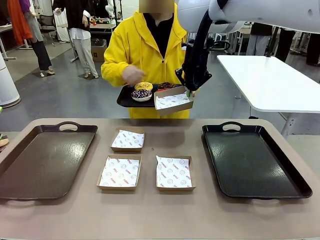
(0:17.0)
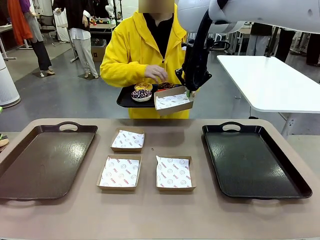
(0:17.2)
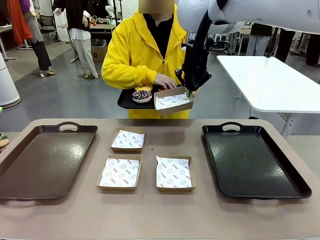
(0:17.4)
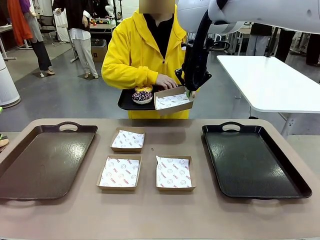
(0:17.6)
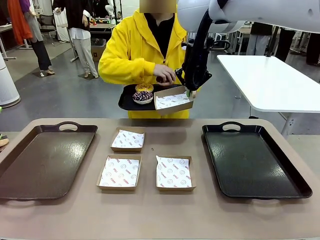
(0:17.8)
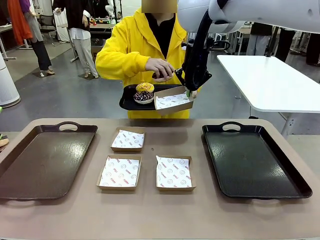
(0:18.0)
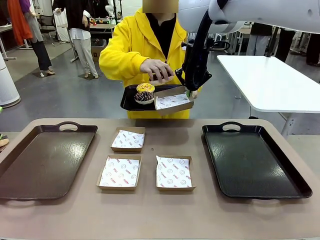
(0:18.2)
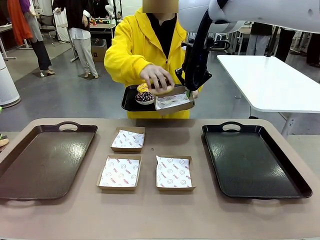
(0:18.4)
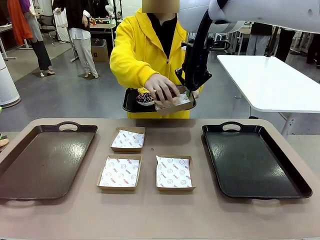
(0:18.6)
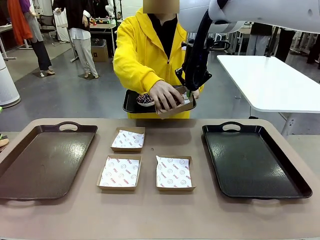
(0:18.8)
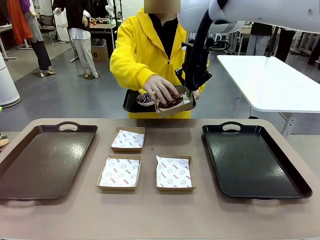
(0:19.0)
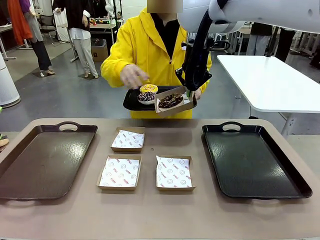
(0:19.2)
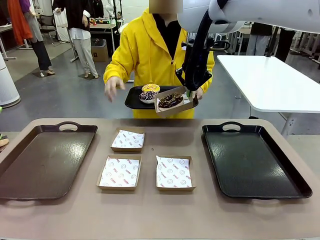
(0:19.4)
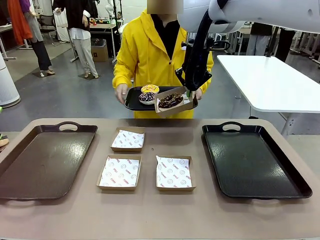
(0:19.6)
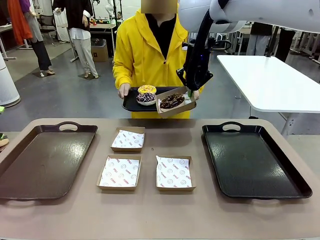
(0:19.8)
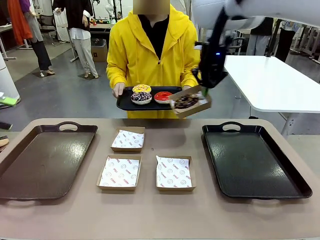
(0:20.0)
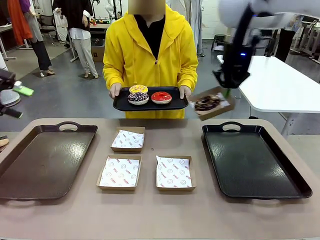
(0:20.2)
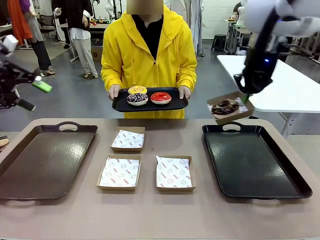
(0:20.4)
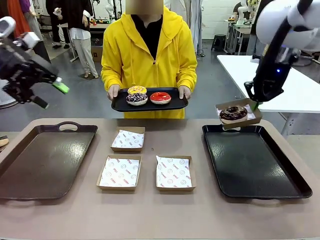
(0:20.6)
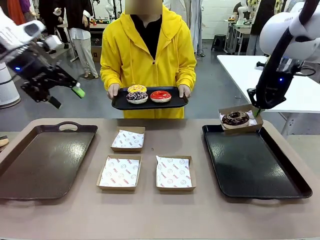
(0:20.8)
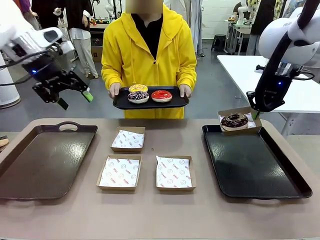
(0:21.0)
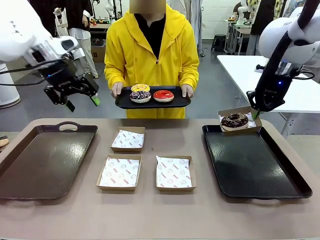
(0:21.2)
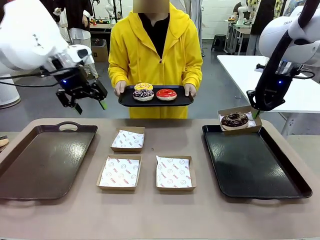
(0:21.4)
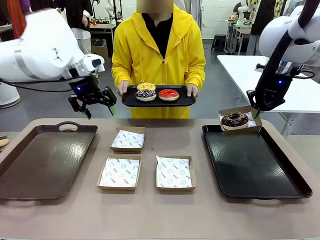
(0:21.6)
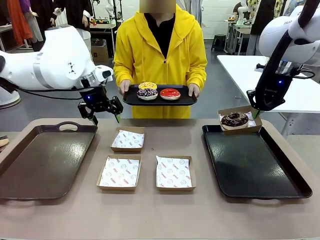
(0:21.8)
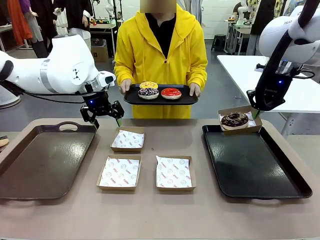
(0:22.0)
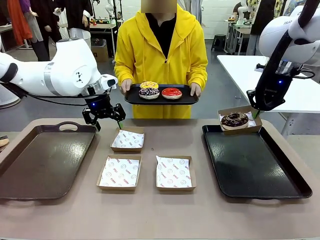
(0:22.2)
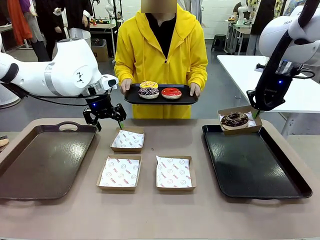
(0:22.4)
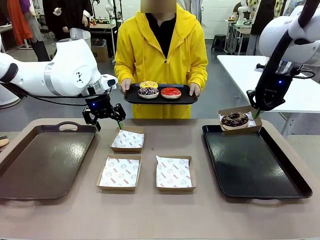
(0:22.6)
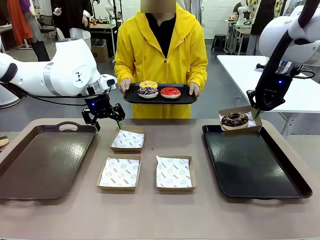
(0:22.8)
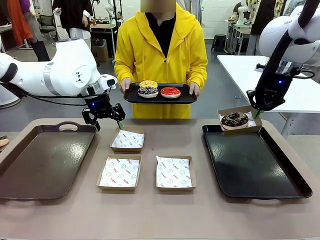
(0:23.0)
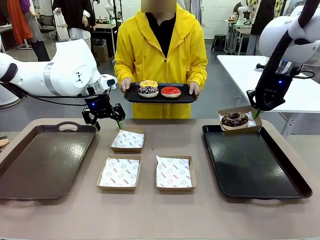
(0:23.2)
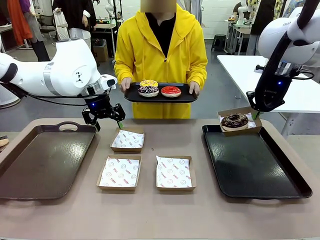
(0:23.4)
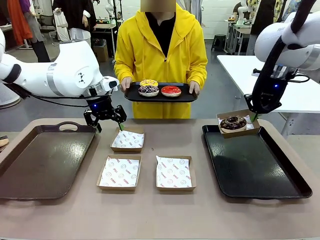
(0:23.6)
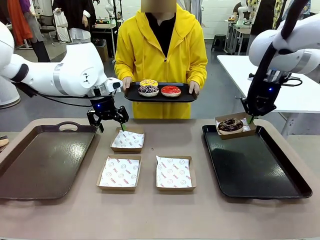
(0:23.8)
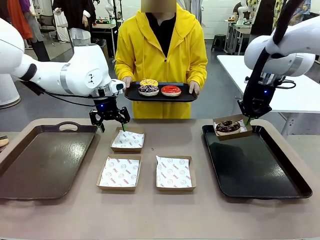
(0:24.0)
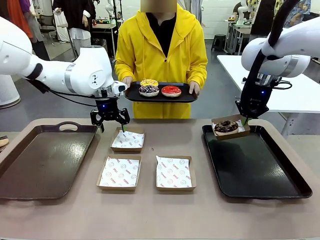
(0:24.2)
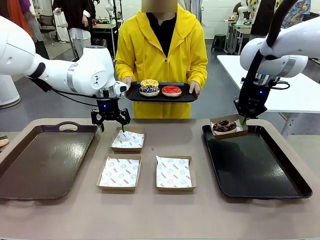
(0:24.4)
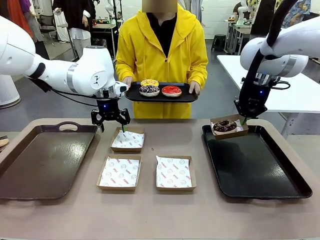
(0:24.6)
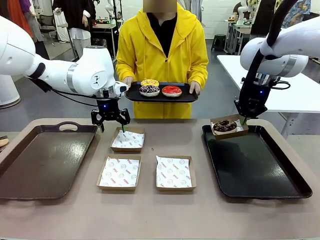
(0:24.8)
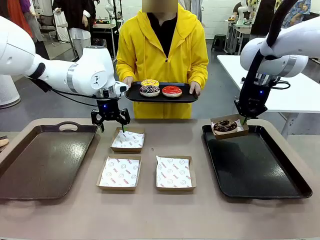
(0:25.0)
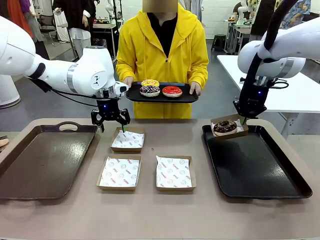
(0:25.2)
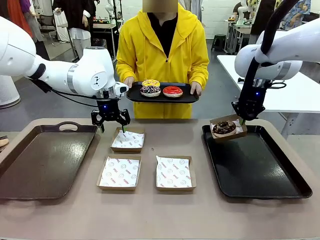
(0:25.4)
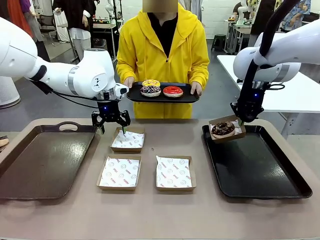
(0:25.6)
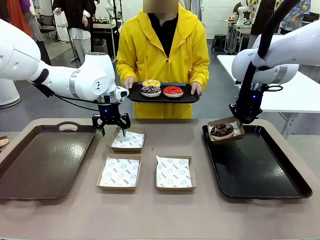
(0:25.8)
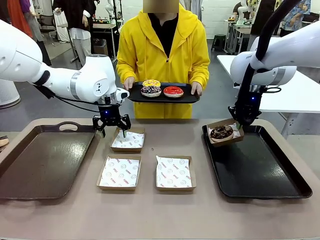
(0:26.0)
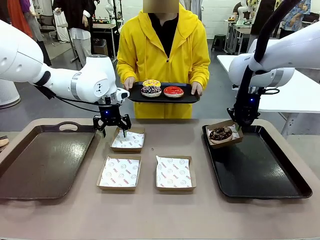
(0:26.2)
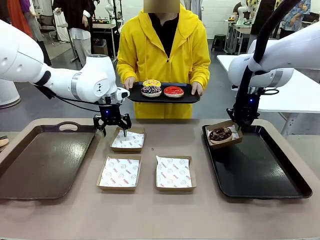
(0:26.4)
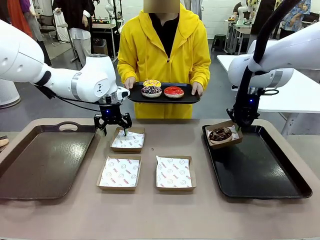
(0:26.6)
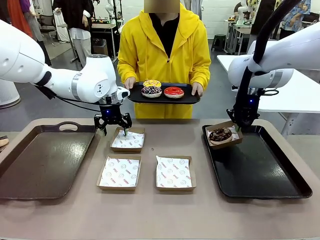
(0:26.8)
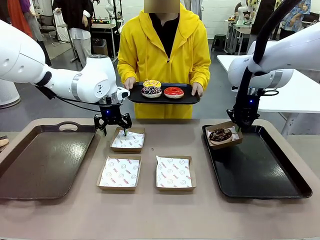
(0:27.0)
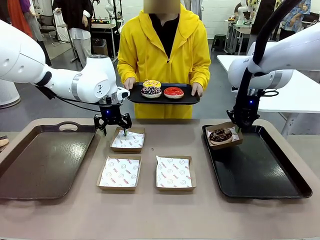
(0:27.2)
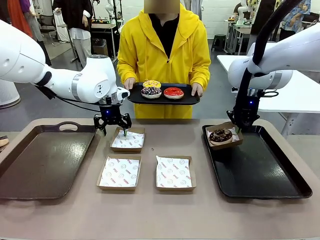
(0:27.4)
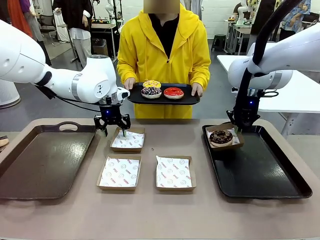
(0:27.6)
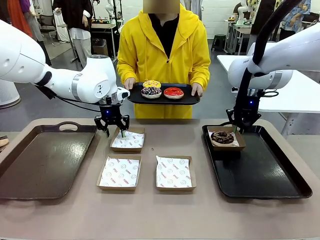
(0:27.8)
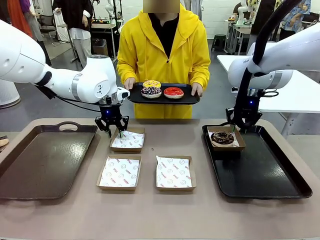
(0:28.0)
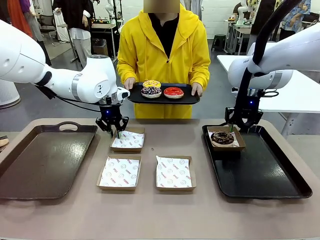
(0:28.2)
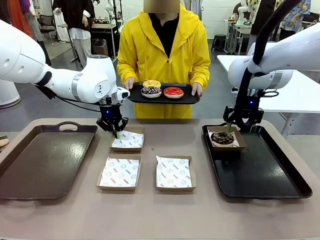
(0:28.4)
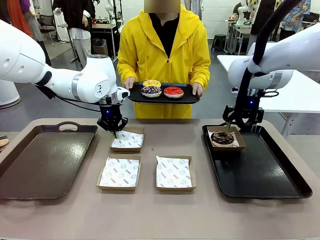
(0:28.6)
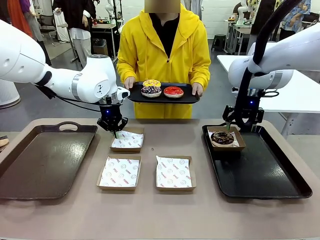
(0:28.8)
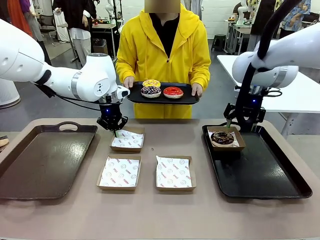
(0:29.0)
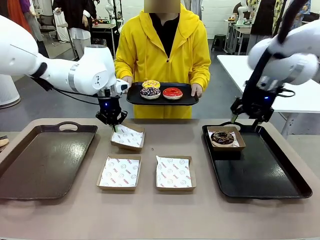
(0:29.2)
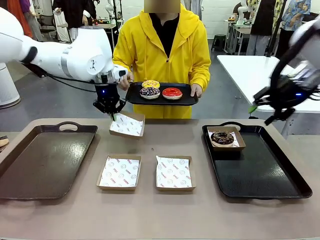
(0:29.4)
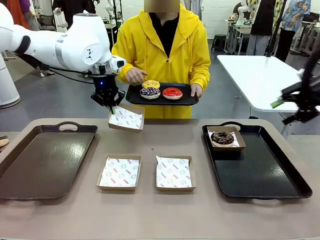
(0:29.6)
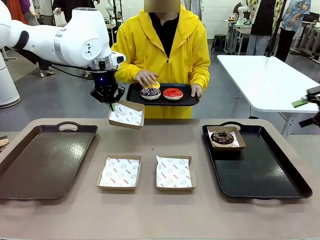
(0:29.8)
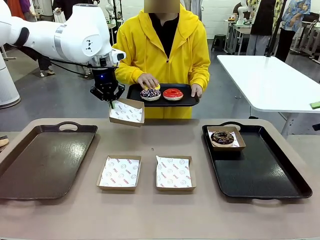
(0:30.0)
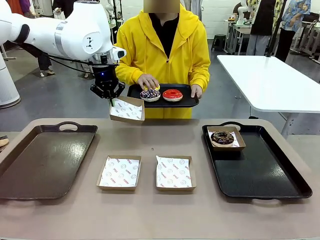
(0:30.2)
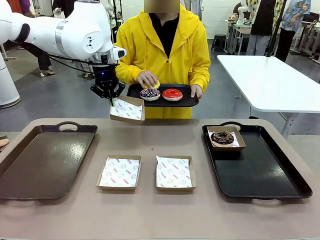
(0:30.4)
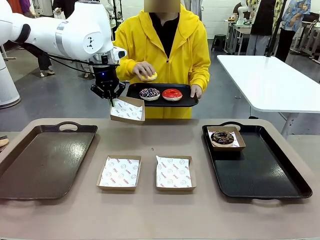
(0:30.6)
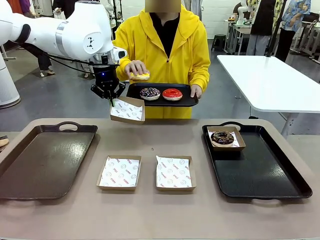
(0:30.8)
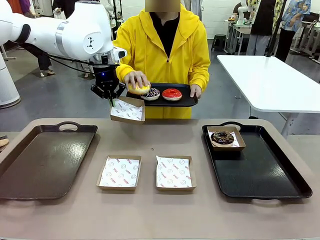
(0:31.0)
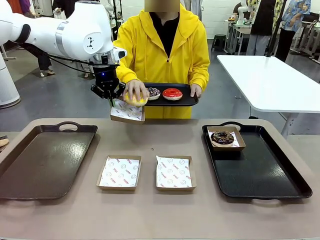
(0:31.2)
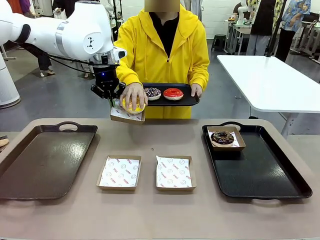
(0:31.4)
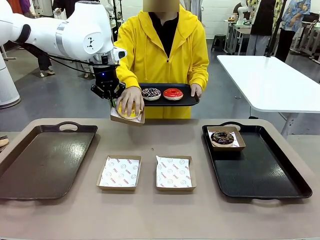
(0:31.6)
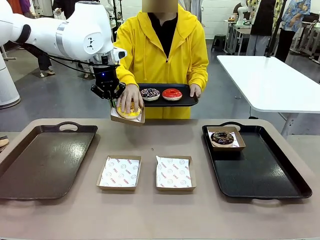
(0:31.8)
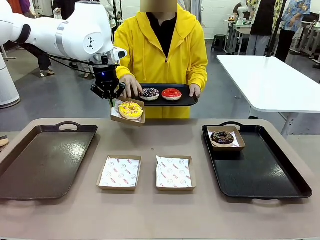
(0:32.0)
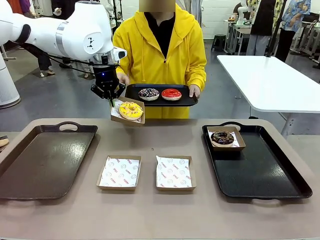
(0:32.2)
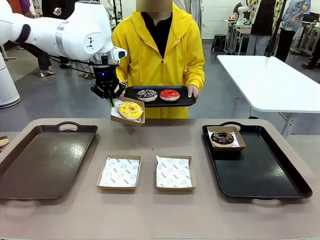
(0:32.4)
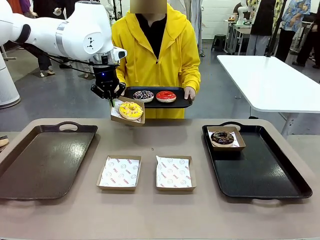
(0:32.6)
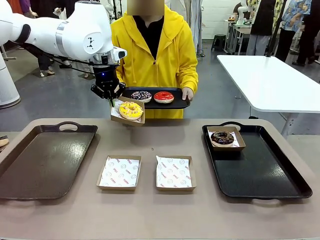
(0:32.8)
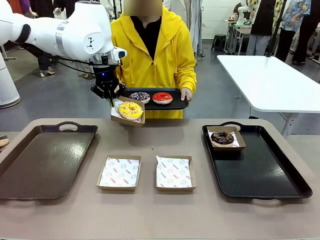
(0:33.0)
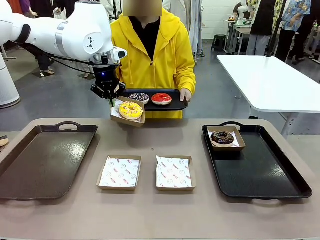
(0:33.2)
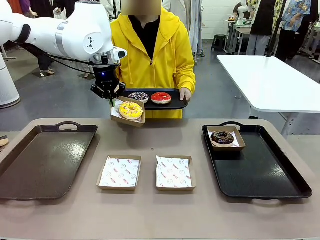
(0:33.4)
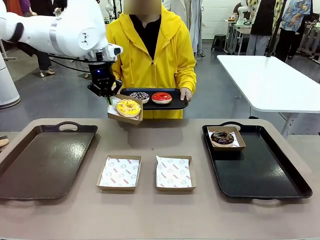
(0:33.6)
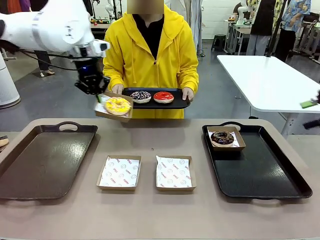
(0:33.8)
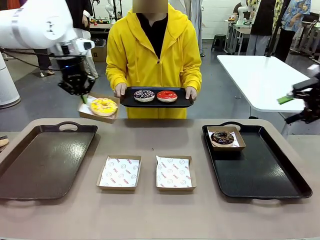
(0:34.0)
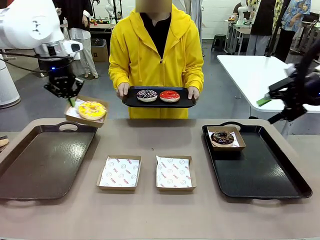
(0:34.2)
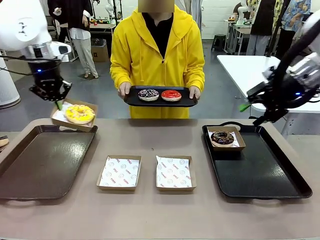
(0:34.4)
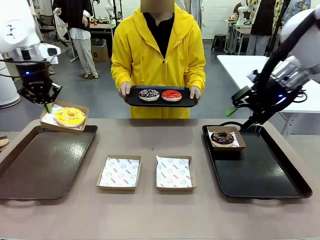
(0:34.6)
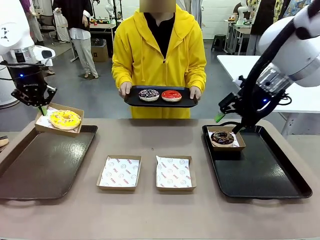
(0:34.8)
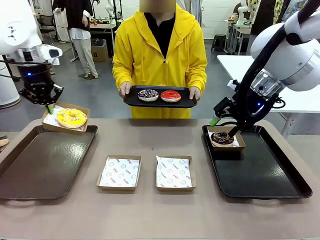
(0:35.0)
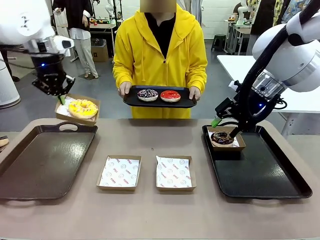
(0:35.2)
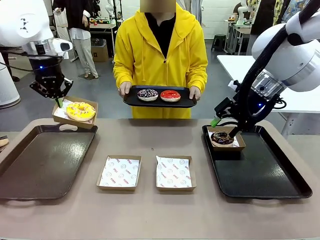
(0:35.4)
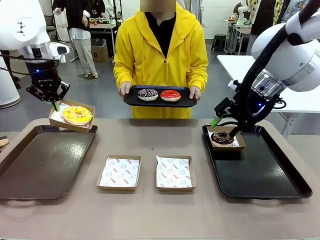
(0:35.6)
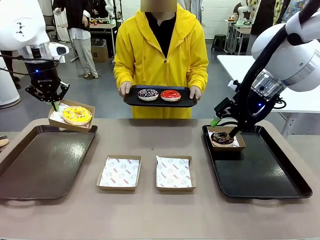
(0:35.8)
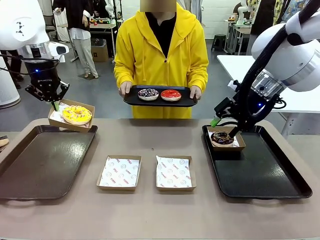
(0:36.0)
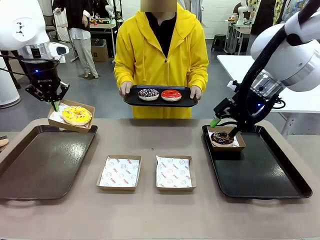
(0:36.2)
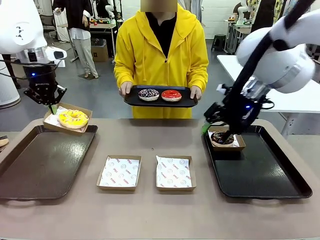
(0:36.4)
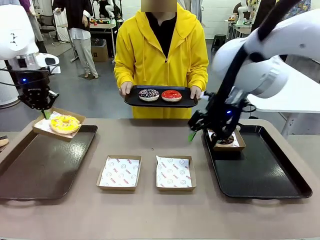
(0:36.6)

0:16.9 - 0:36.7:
Task: Individually package the donuts and arrange them on the tray.
Robot: Place the picked Paper togo box on the Handle tray while simultaneously picking up another Paper togo box from the table with the other hand.
